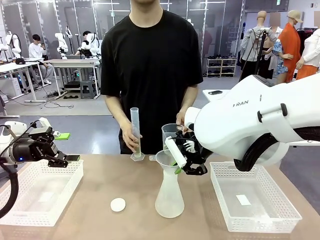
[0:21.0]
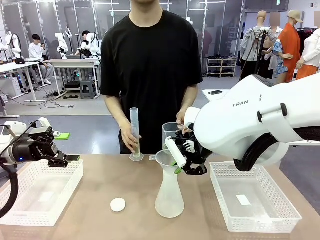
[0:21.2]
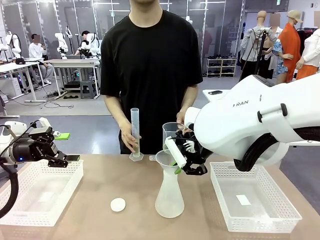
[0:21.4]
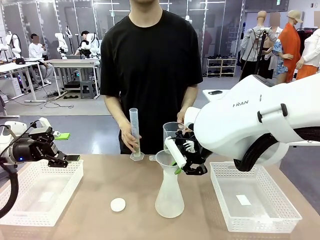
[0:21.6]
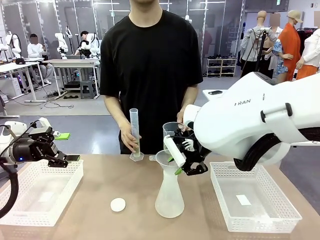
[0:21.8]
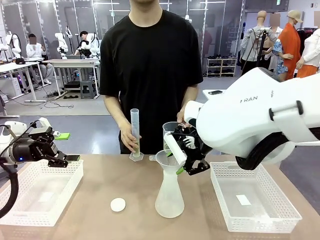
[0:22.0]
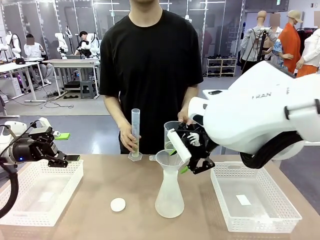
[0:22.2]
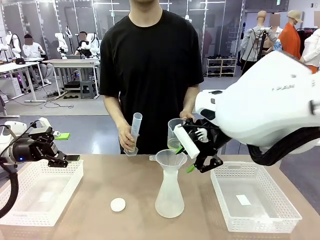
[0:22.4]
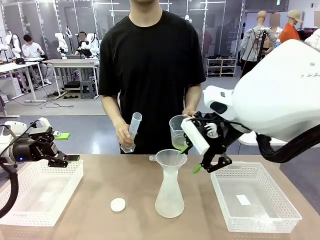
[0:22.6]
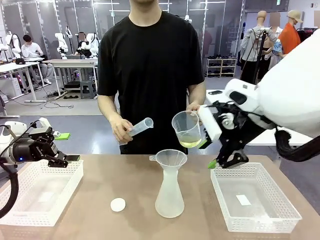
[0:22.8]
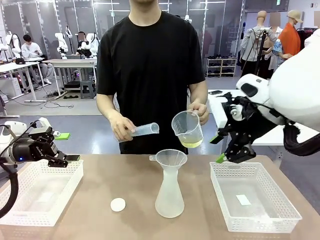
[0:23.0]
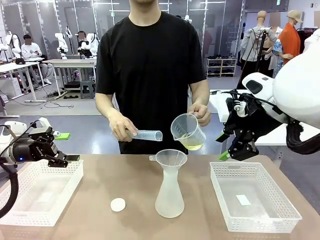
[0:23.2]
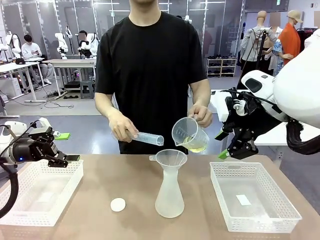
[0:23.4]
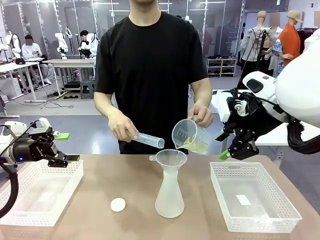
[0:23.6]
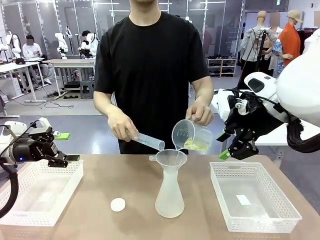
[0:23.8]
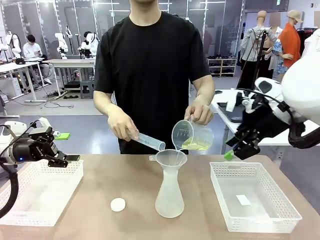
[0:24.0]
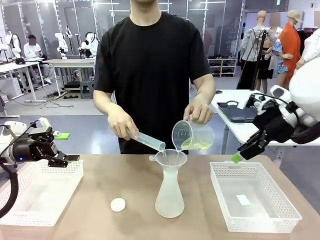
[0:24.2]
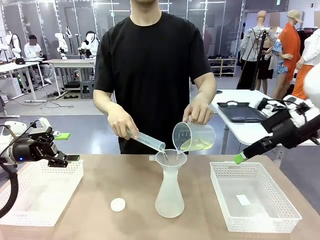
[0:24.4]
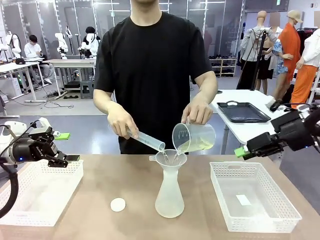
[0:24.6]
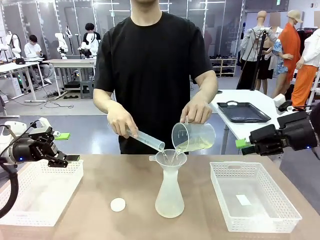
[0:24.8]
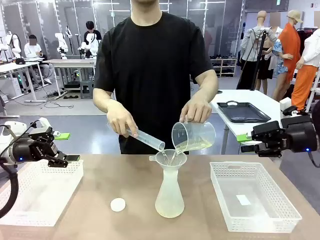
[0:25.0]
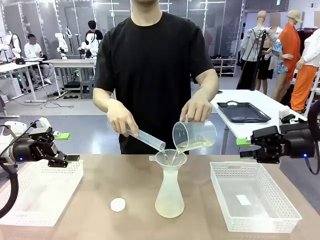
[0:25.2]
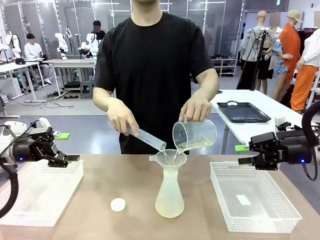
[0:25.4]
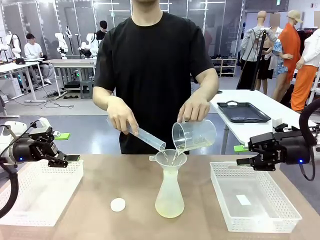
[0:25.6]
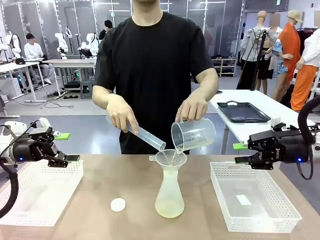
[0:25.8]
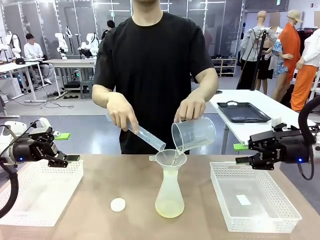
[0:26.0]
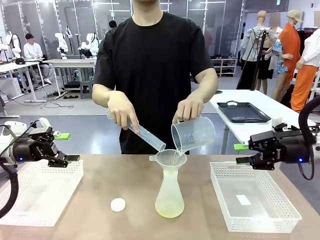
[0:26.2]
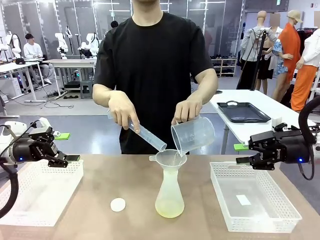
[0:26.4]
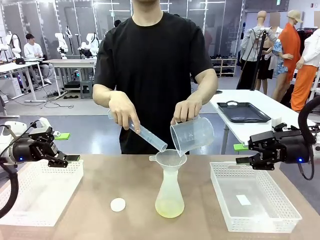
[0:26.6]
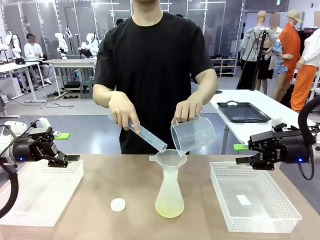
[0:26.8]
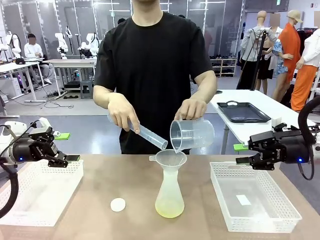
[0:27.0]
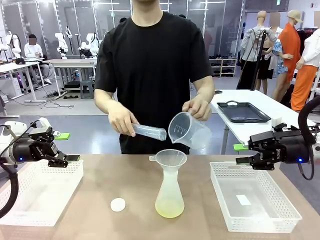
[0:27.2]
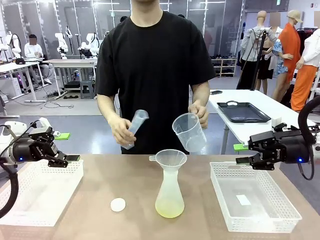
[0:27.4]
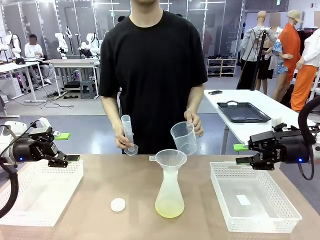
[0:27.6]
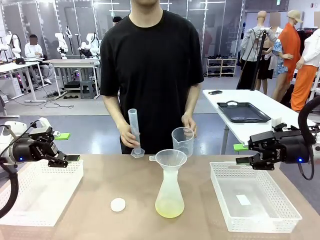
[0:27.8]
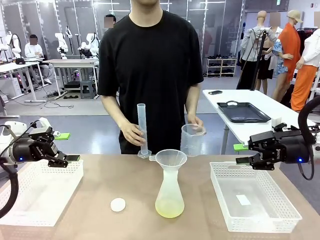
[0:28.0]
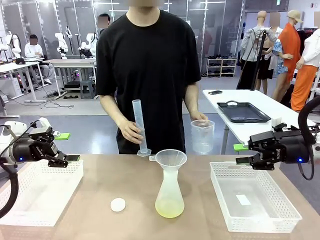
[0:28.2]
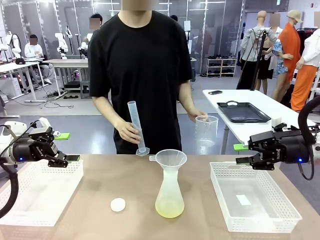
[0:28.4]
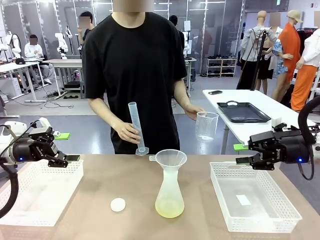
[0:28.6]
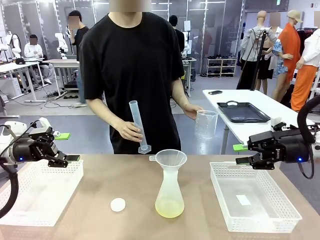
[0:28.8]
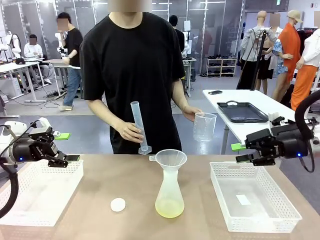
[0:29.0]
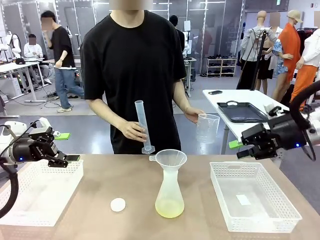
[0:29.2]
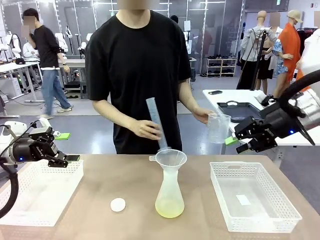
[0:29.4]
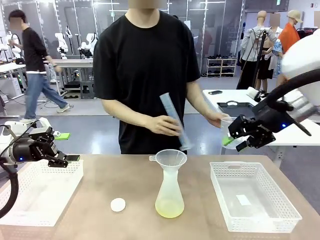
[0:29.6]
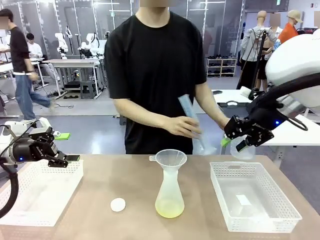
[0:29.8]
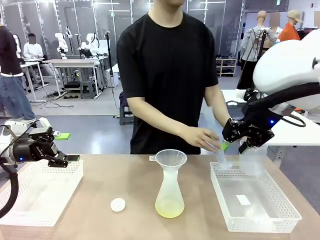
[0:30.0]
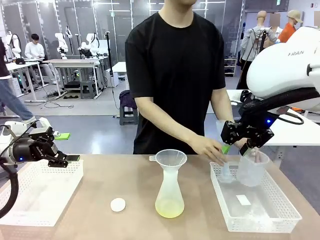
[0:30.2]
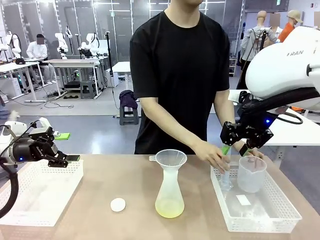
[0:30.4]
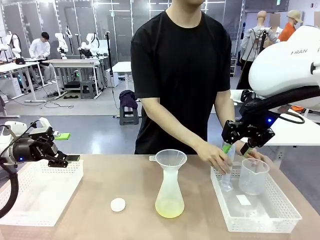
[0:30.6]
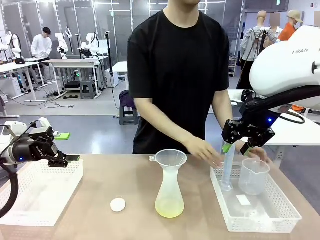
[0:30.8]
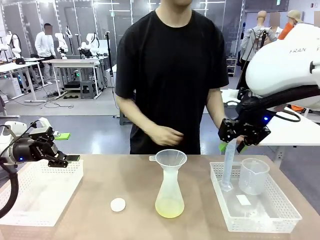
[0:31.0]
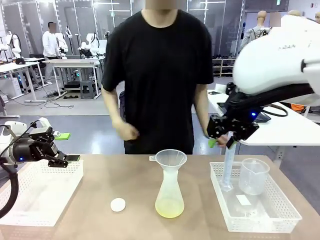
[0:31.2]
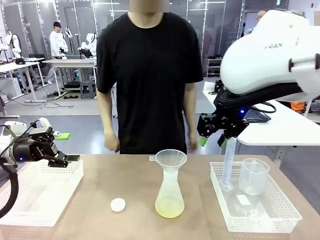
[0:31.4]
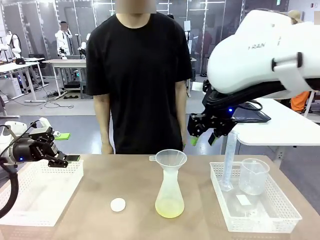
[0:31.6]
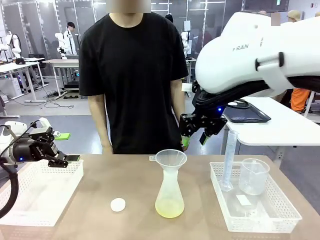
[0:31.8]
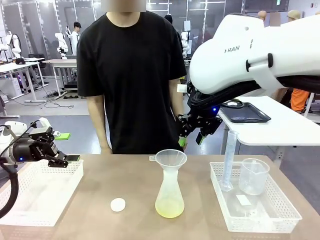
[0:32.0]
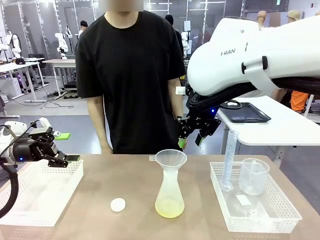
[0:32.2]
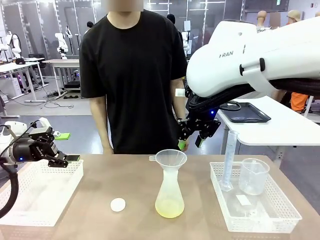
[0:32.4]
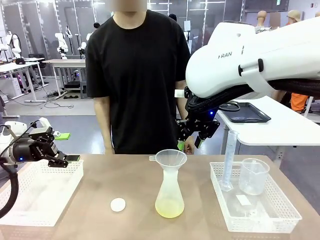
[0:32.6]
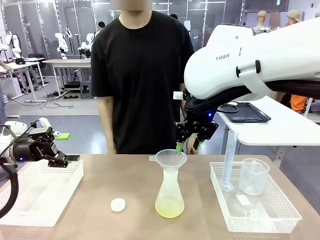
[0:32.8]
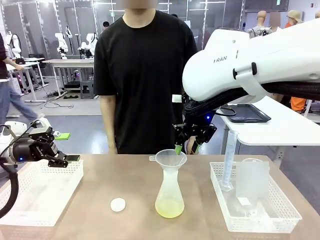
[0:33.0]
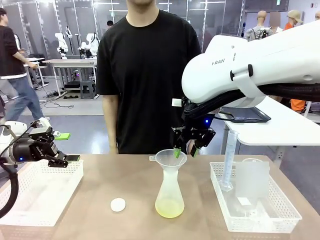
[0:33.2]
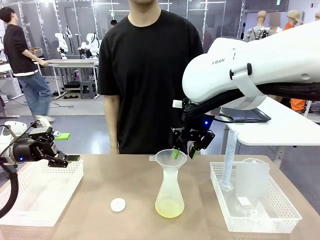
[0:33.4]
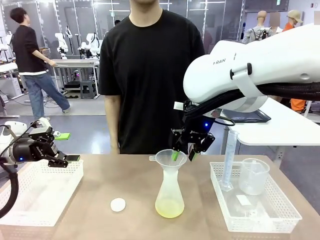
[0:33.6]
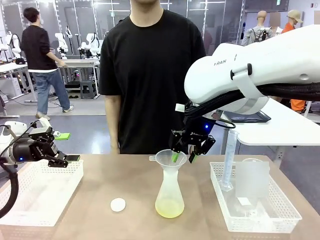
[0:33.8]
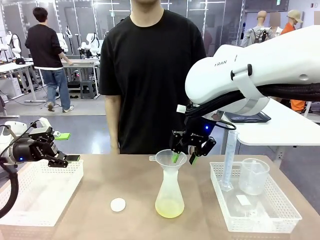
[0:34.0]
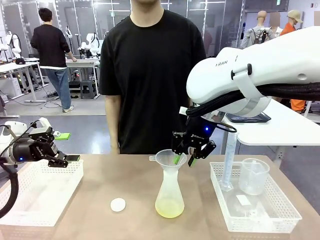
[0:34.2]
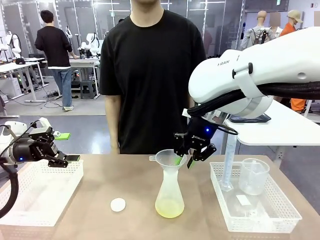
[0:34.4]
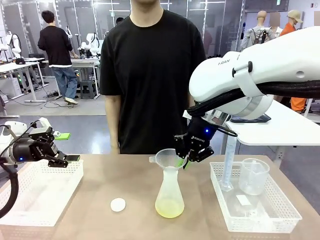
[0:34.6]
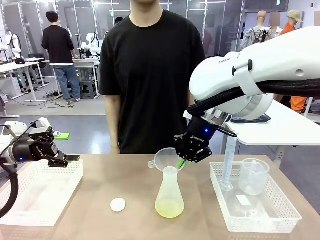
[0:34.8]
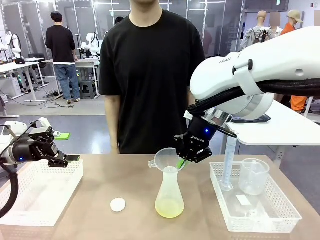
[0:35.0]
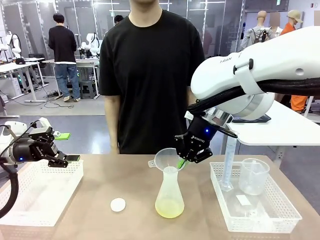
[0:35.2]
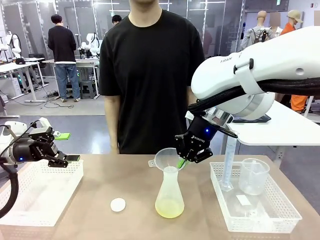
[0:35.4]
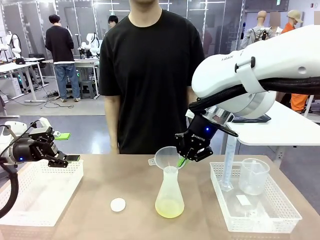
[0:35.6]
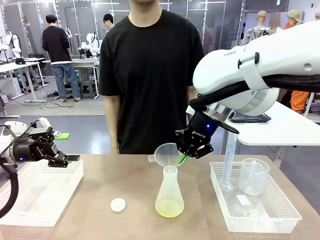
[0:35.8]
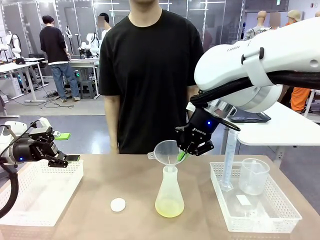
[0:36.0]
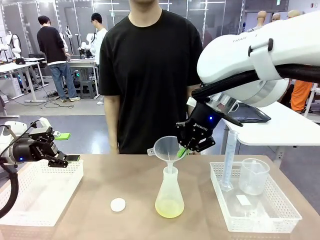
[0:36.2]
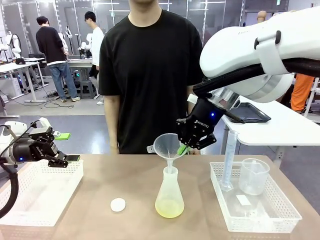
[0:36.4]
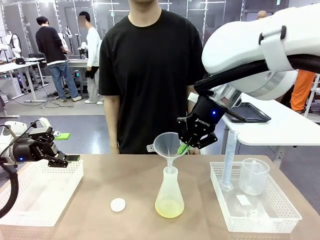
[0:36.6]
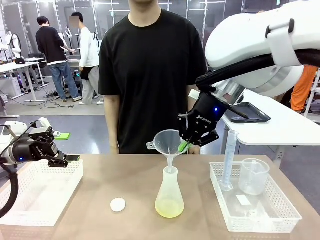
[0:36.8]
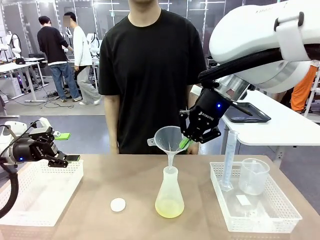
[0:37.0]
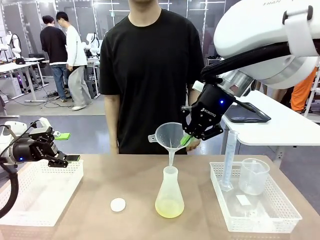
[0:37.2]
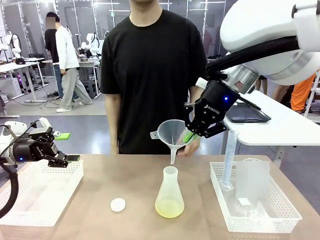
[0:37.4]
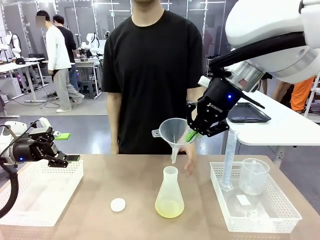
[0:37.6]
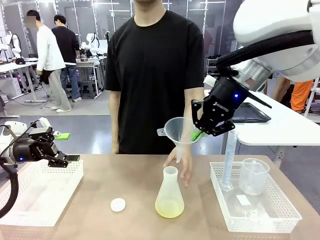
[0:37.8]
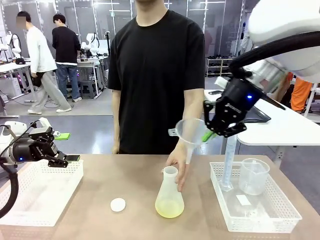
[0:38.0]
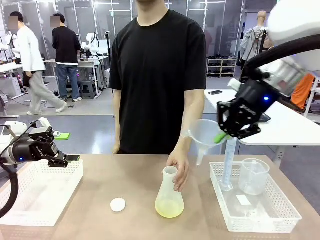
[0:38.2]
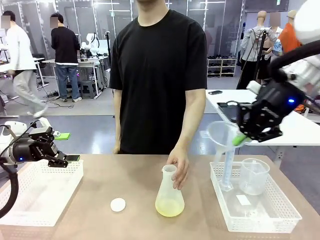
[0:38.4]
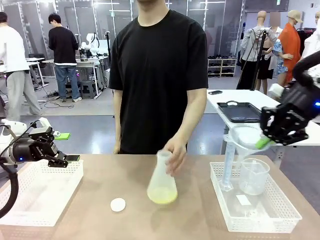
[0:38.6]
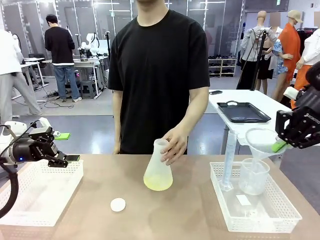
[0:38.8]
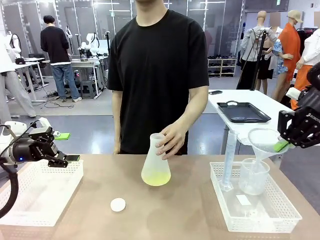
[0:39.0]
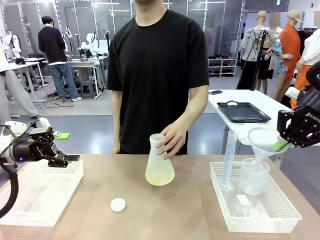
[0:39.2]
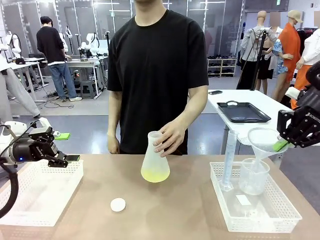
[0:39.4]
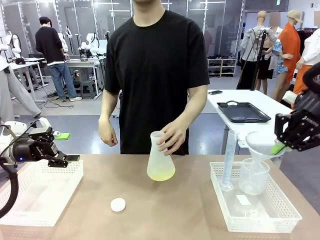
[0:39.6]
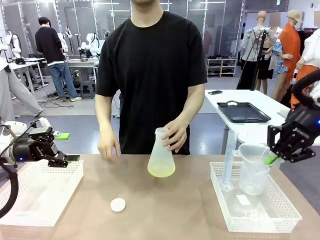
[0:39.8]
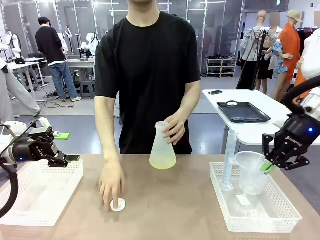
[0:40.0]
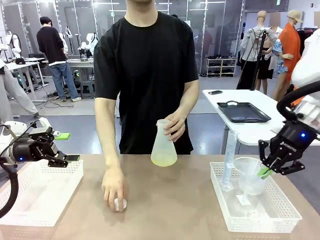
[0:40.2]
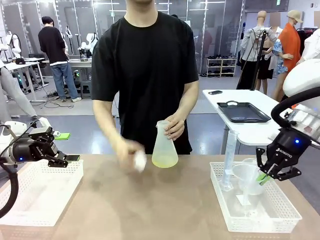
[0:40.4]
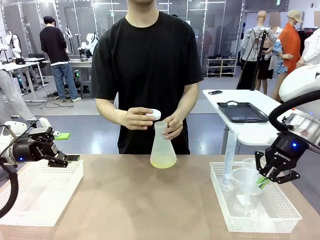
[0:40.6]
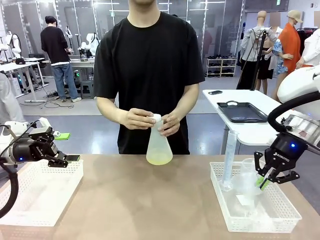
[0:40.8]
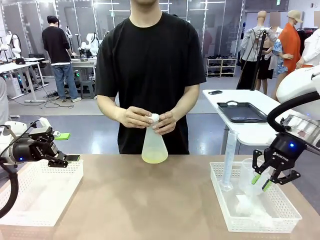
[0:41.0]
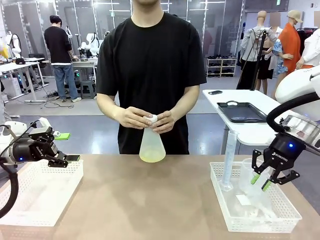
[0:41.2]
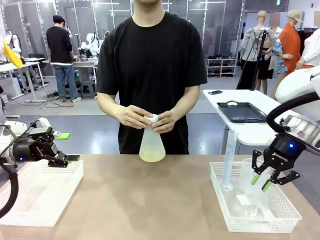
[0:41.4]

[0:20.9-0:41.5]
Task: Prepare the solutions needed for the experiment.
Robot: Once the solution is in the Big flask , pick up the Plastic Funnel and place it back into the right Organizing basket.
Person: Place the beaker and the cylinder into the organizing basket on the left side. Pick up the flask, gently shake it 2–3 times, place it in the middle of the robot table, and close the lid.
